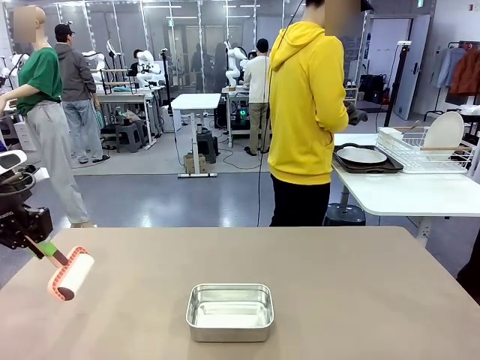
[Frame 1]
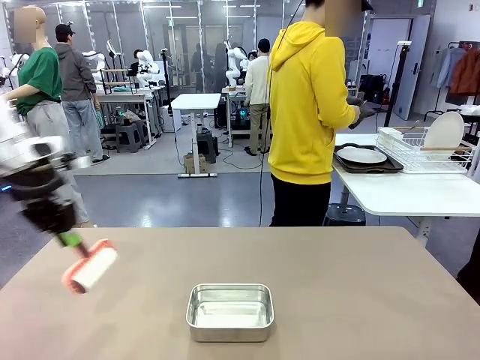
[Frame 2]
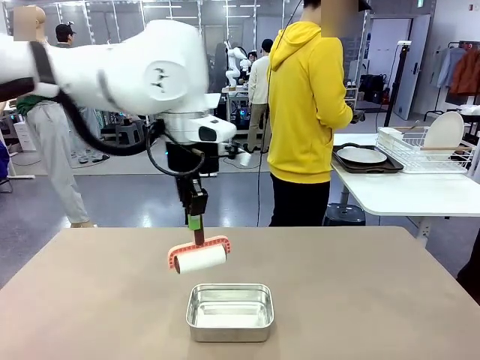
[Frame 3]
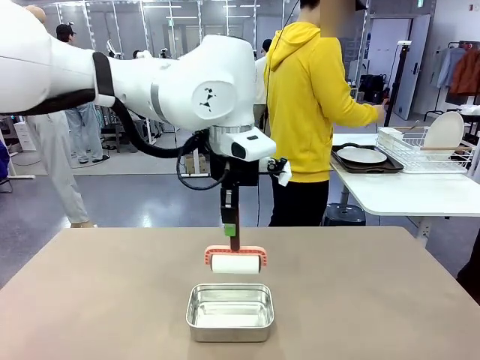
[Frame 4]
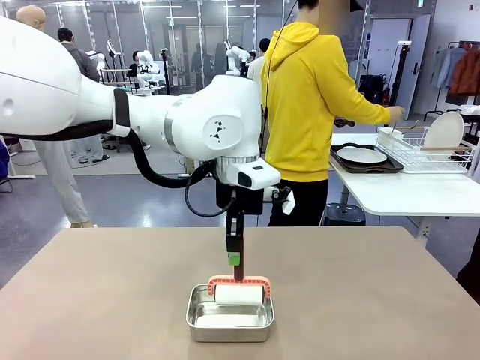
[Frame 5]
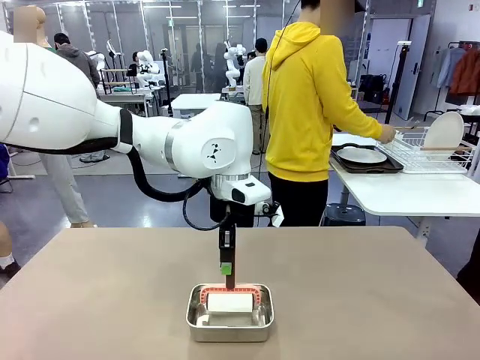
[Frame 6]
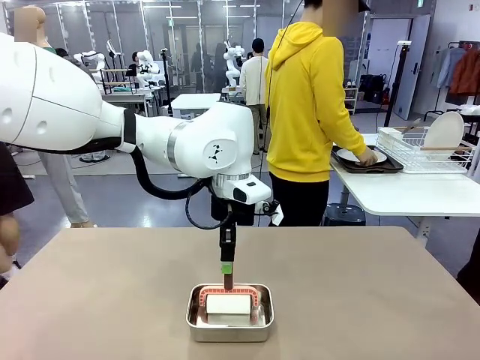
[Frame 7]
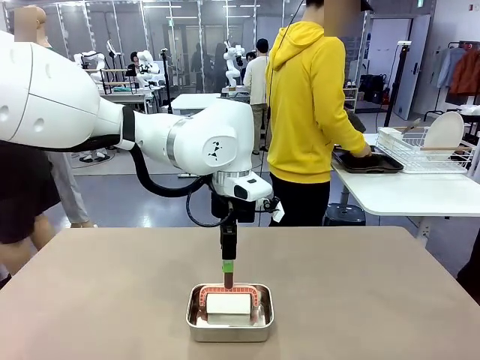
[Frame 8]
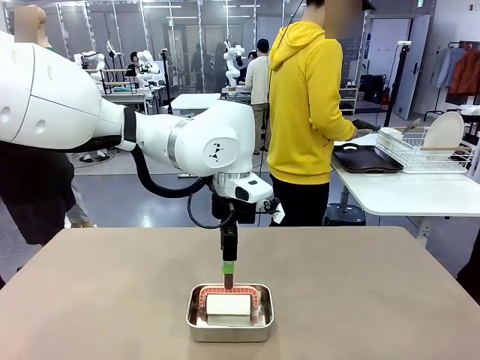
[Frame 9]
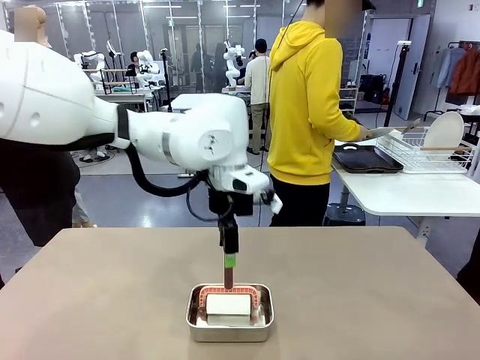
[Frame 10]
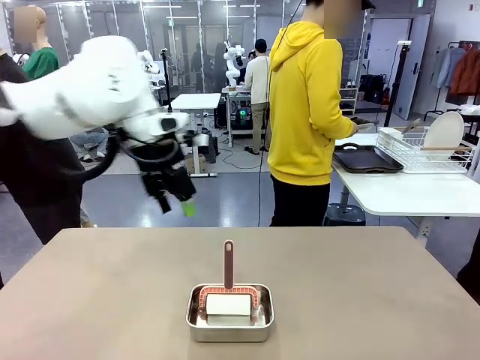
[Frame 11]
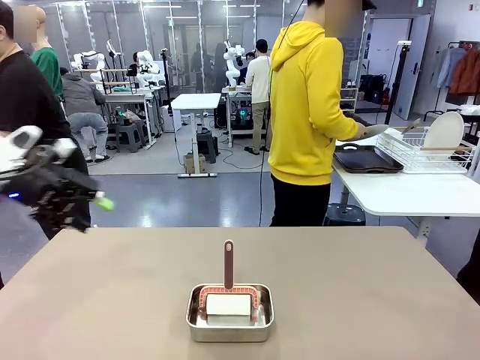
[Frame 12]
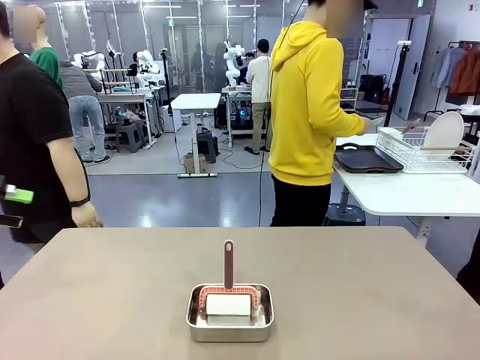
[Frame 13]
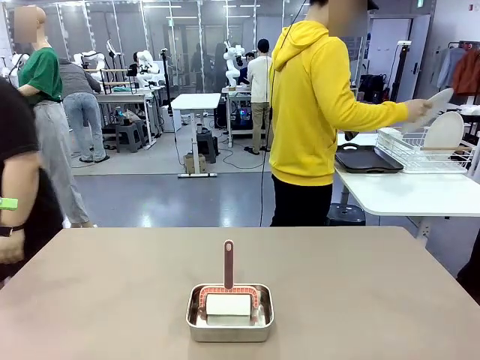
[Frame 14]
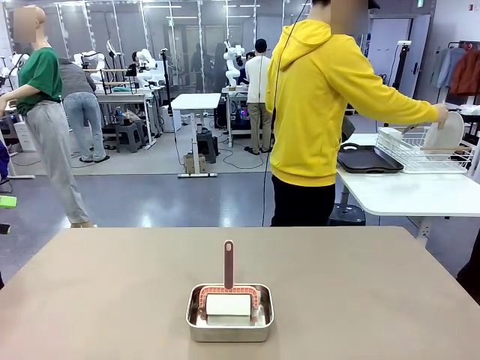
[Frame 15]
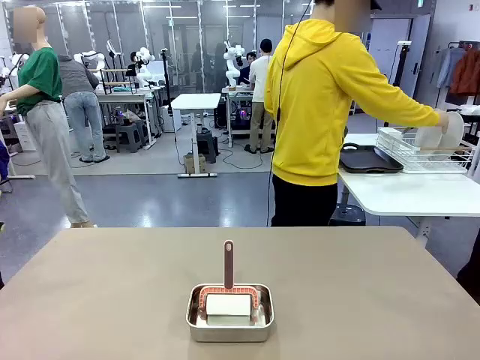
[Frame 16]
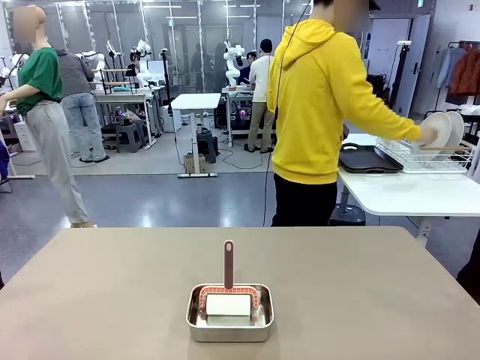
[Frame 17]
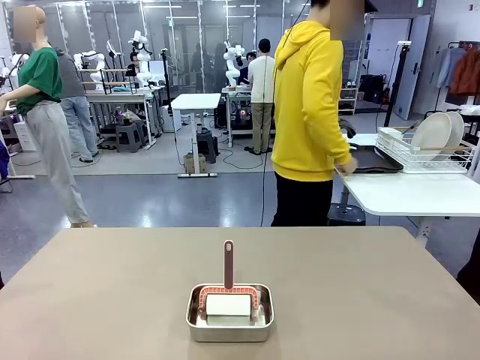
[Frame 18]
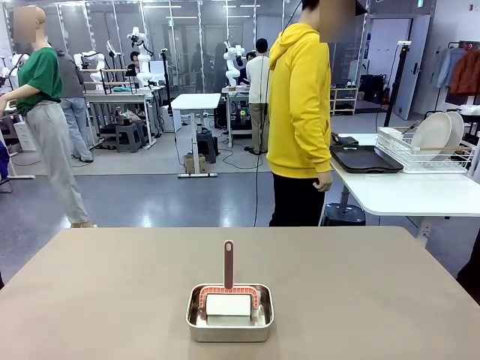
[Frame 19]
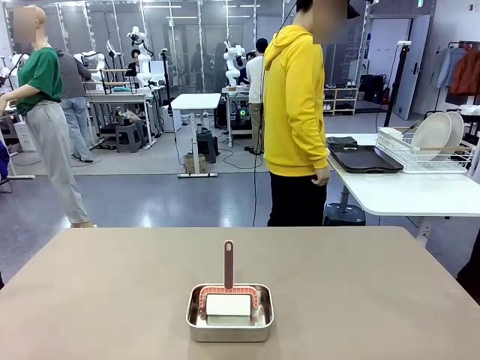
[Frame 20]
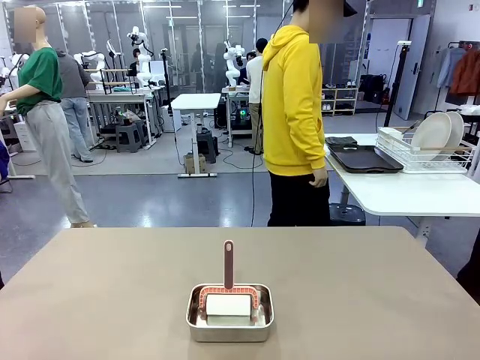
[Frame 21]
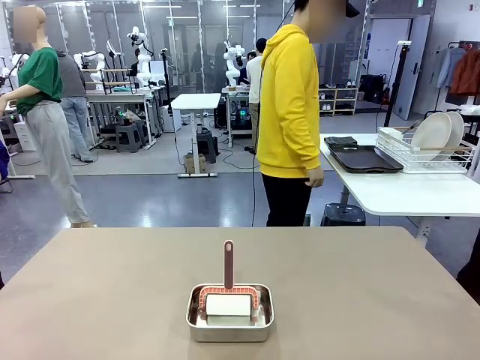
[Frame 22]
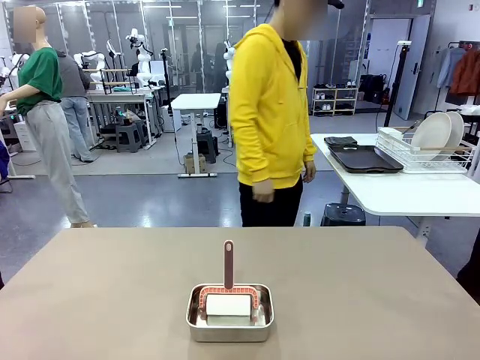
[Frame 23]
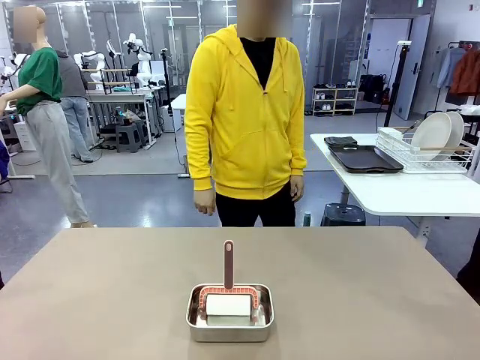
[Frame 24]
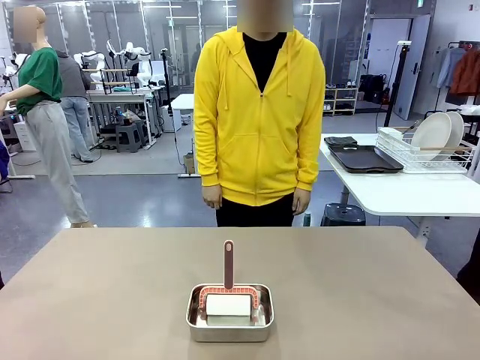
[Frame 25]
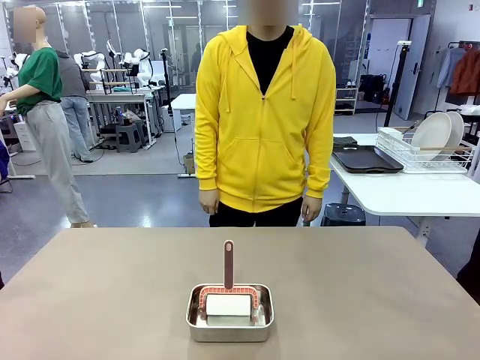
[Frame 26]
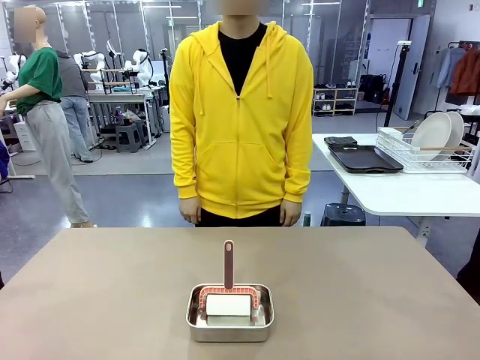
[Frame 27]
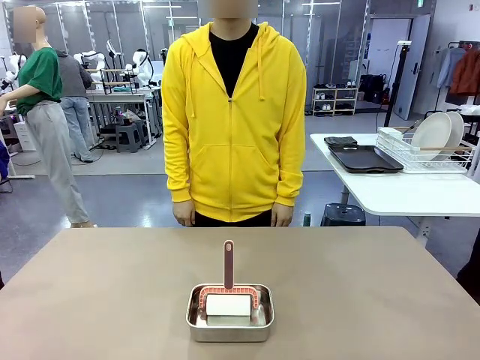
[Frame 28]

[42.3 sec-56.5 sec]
Robot: Place the Lint Roller back on top of the Airtight Container.
Person: Use the Towel with hook to wipe the Plastic Matte Plate , Fork , and Knife and place into the Dish drying rack.

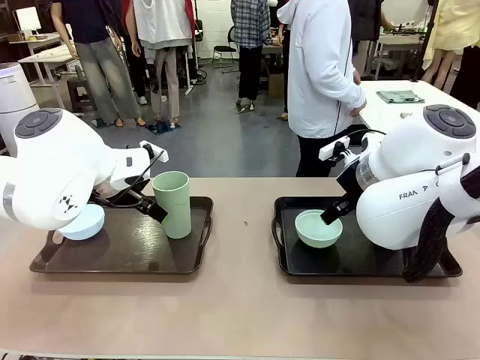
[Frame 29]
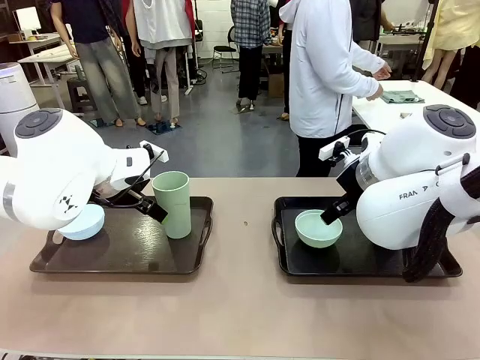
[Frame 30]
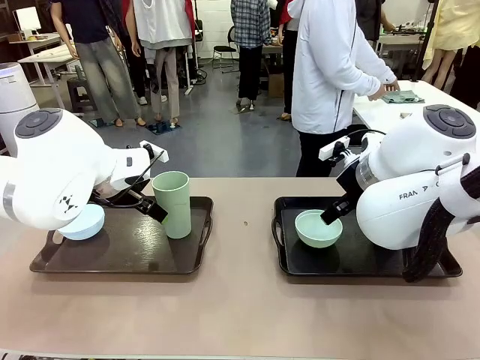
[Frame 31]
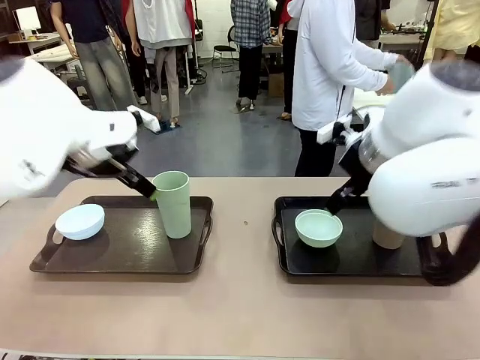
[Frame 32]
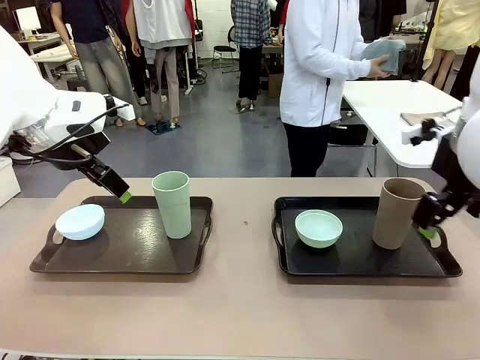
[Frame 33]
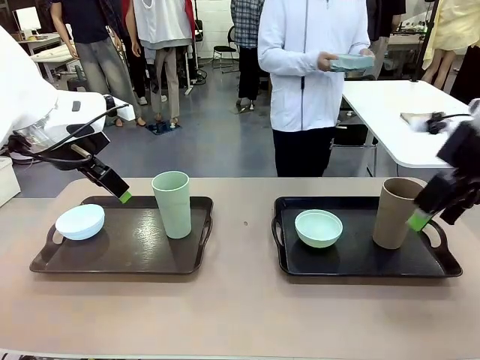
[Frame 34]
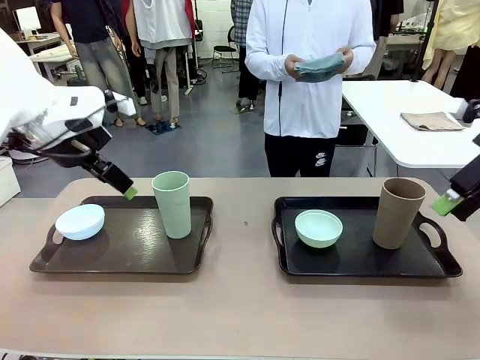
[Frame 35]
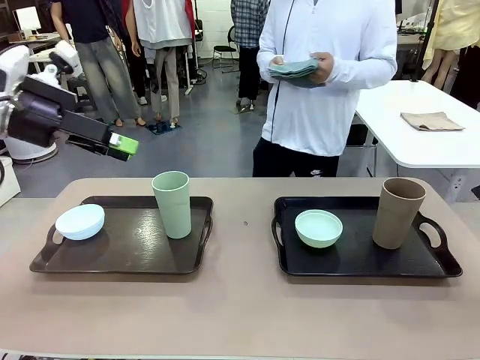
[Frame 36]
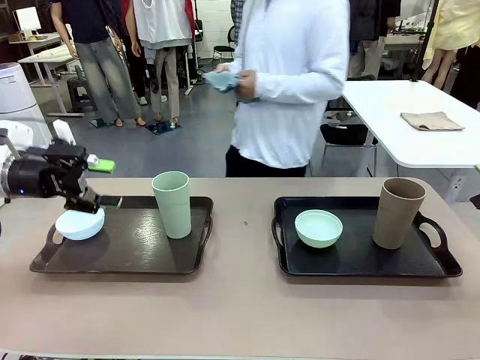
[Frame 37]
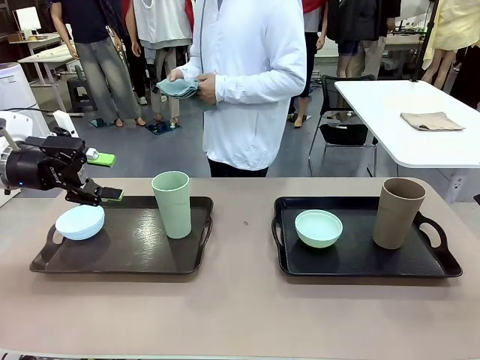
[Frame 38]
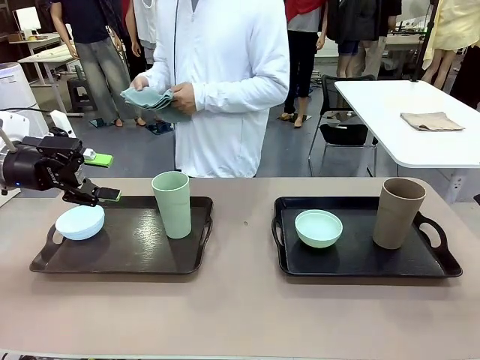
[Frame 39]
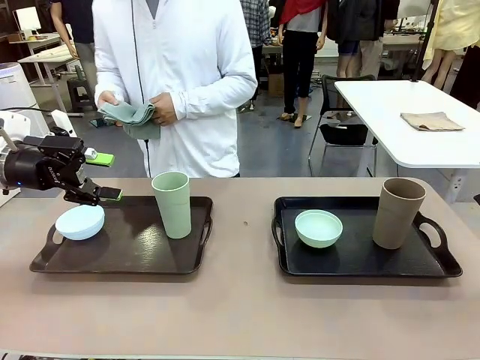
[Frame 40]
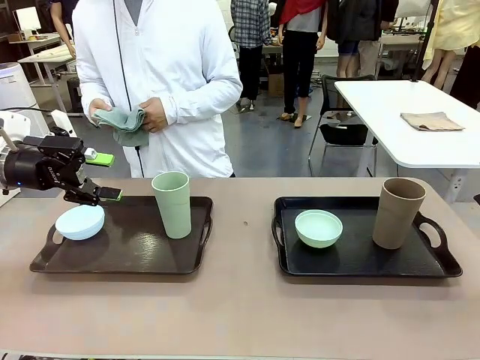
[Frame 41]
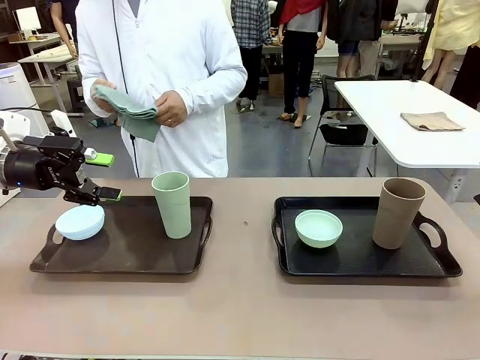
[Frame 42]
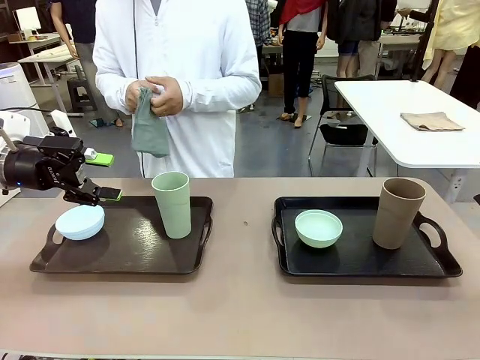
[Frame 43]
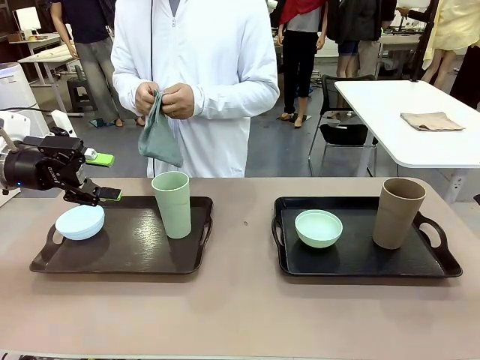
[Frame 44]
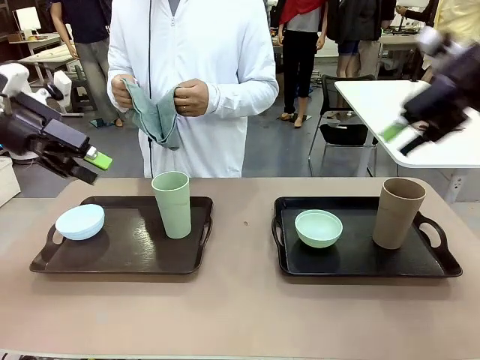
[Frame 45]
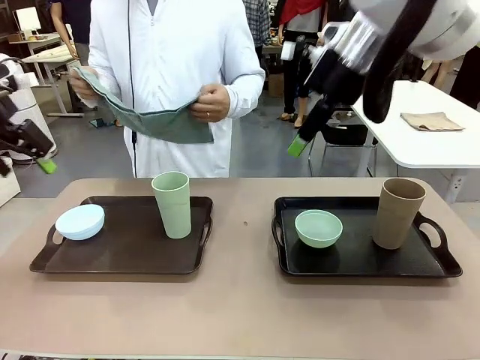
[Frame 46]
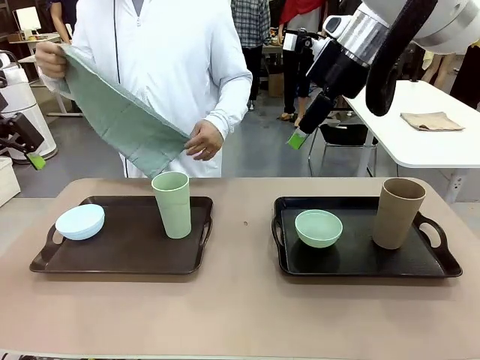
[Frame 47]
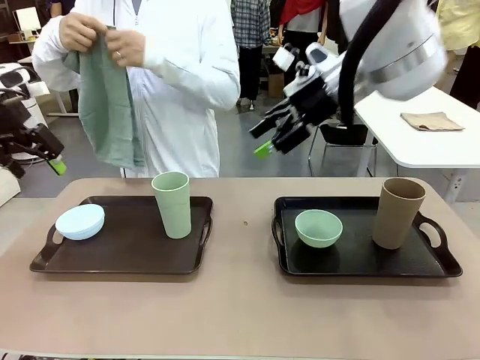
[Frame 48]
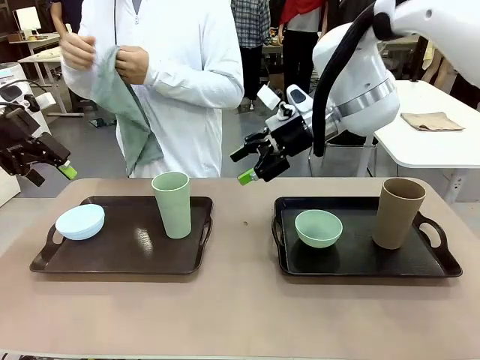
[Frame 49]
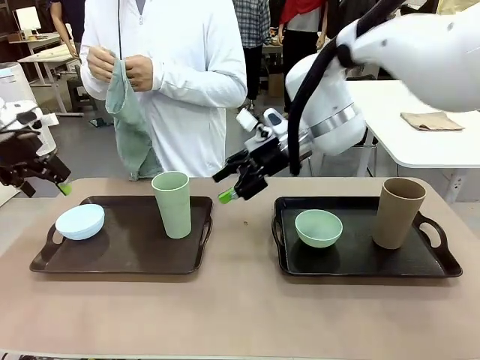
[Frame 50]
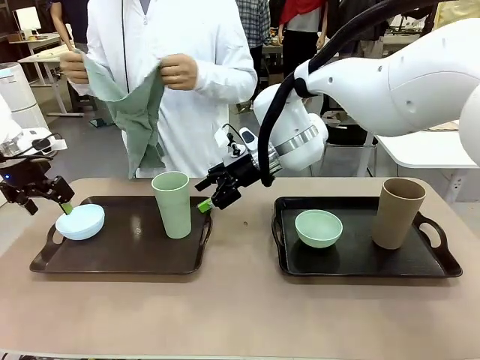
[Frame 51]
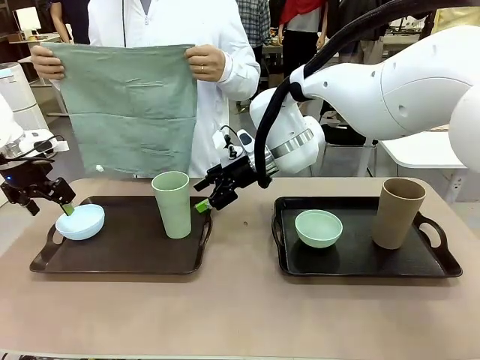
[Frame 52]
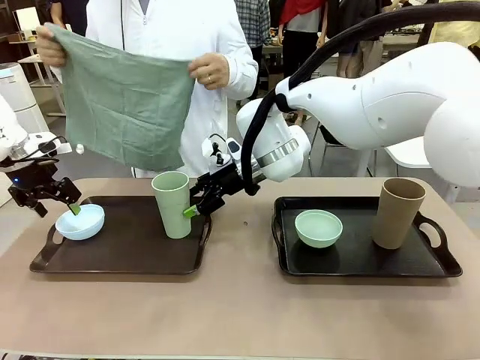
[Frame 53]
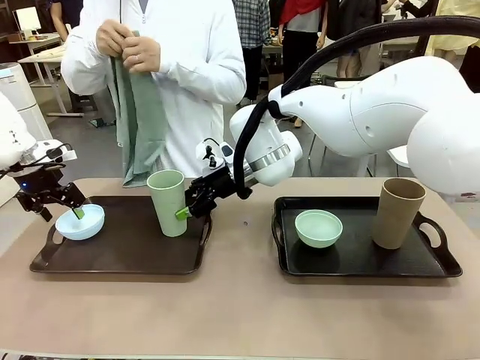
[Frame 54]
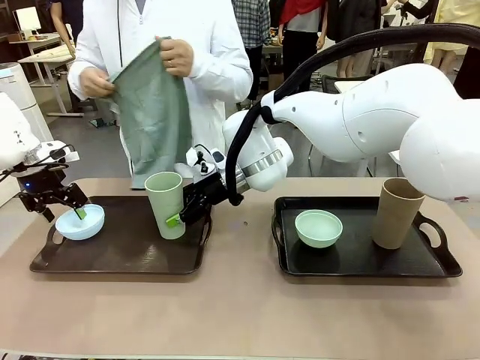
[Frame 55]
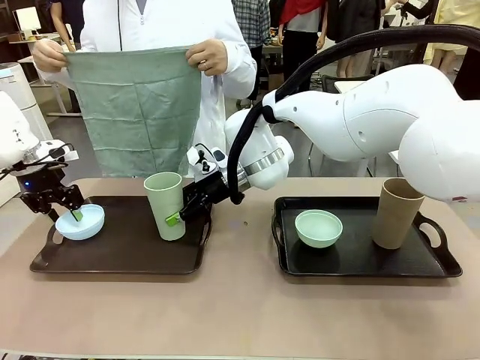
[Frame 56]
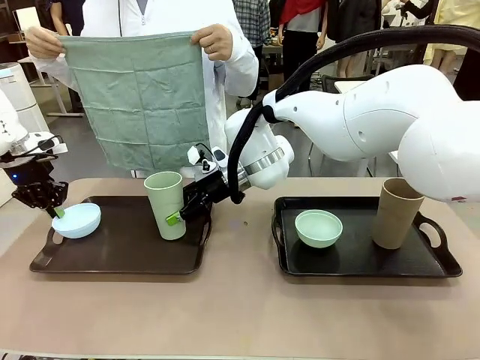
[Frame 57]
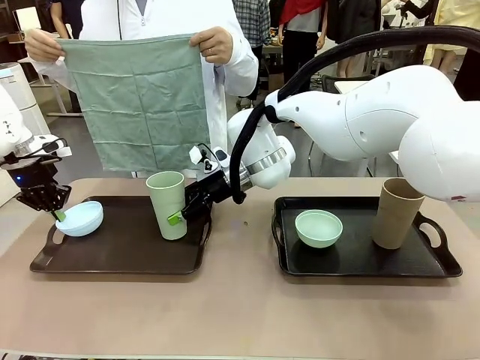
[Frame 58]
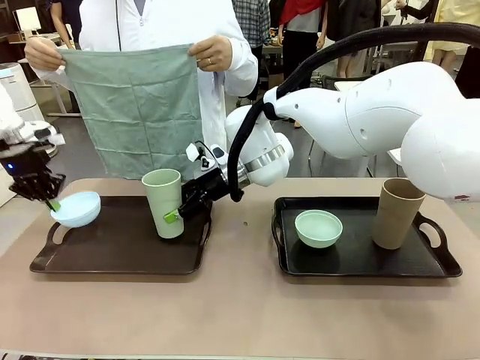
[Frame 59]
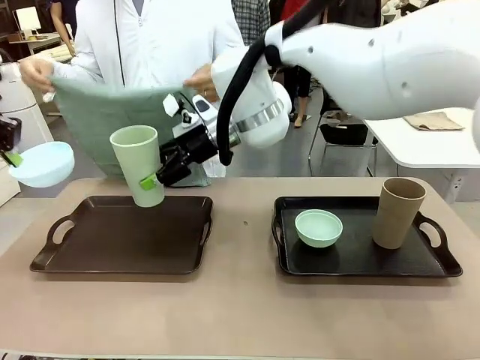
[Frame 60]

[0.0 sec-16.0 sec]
Robot: Pick up the Picnic Bowl and Reusable plastic cup from the Handle tray in front of the human's position and hold them in the air.
Person: The human picks up the top napkin from the stack on the human table and walks to the robot table to stand in front of one of the two trays. When the robot lifts the bowl and the cup, the human unfolds the napkin and lays the napkin flat on the tray.
